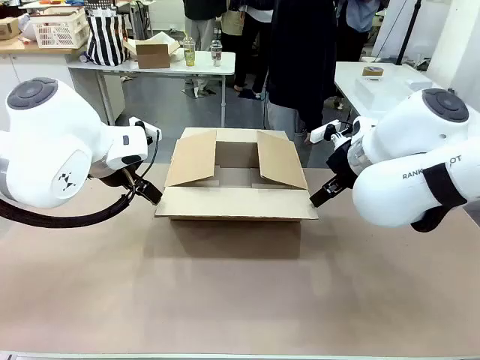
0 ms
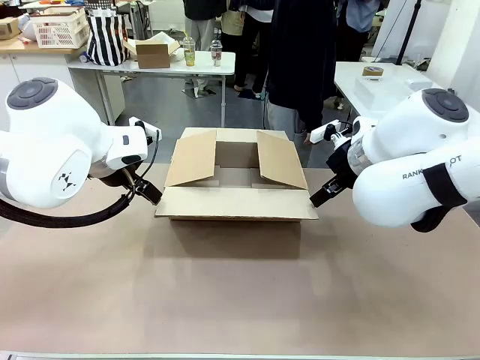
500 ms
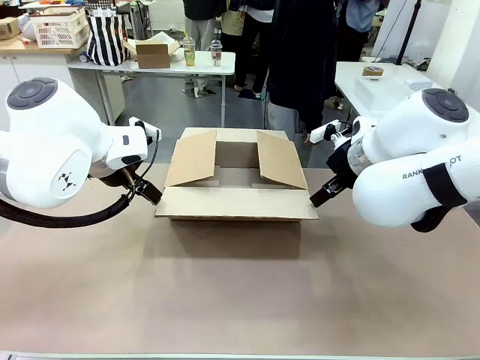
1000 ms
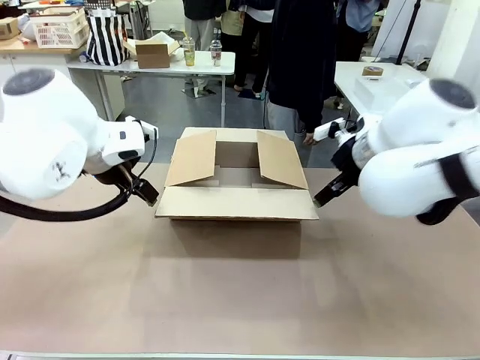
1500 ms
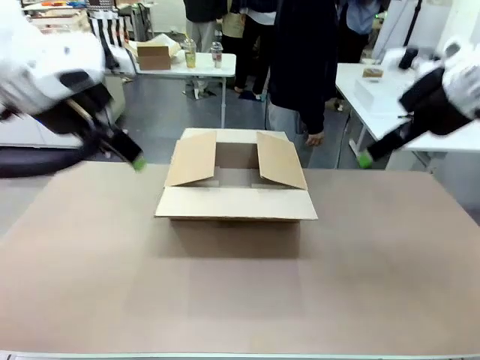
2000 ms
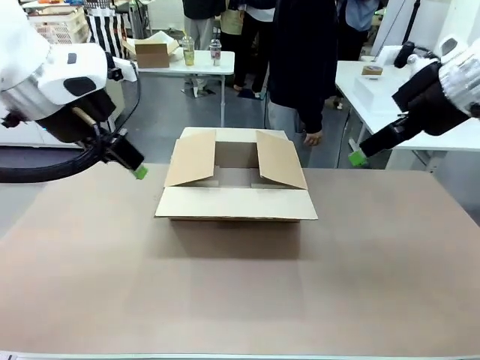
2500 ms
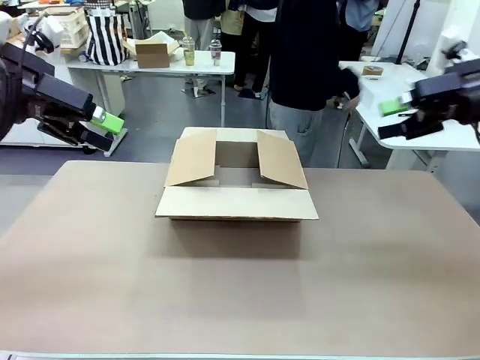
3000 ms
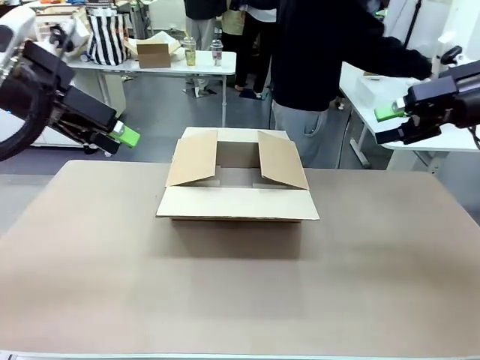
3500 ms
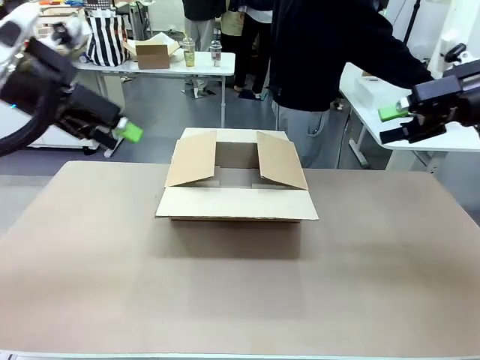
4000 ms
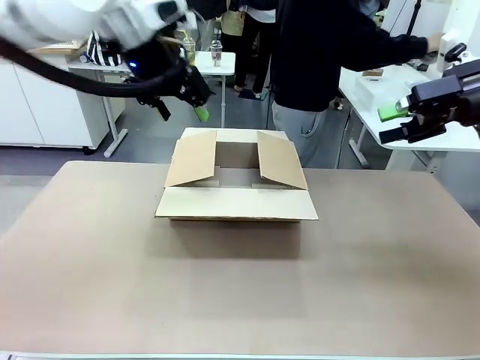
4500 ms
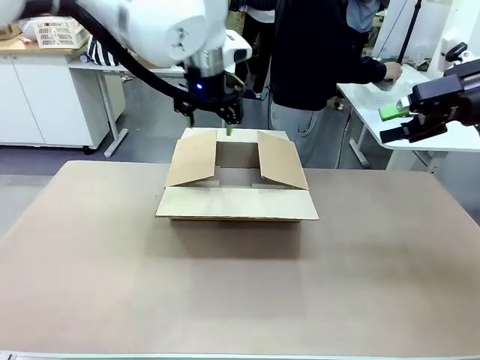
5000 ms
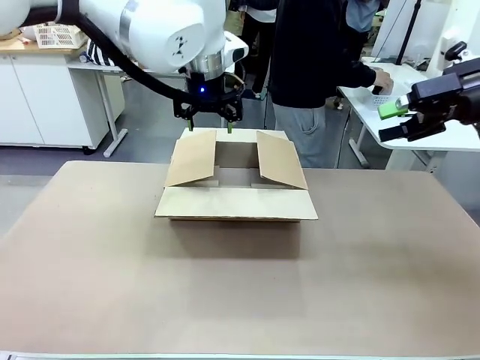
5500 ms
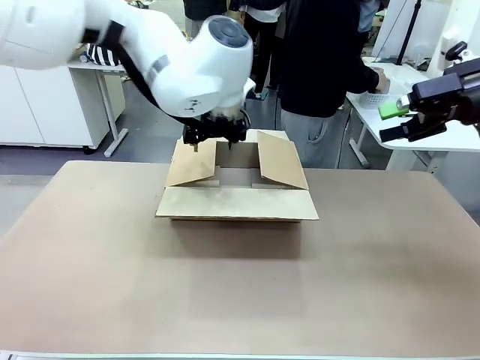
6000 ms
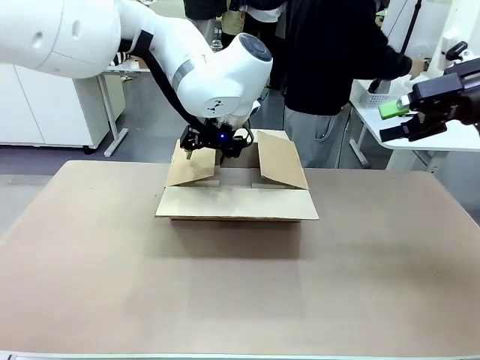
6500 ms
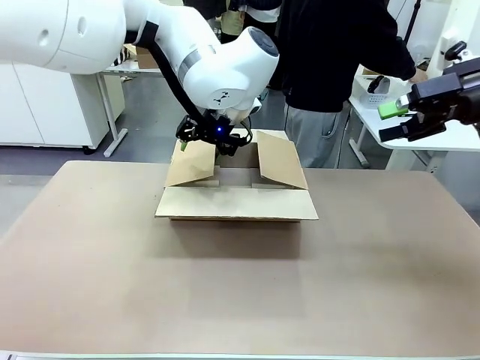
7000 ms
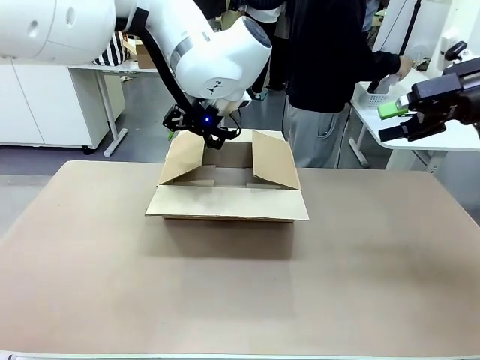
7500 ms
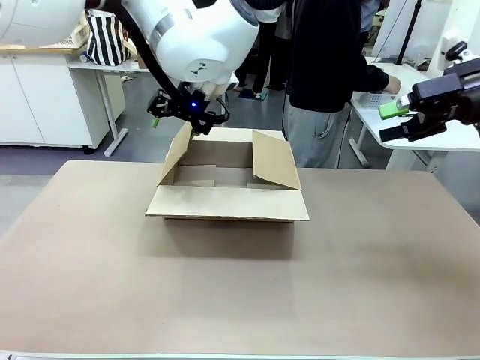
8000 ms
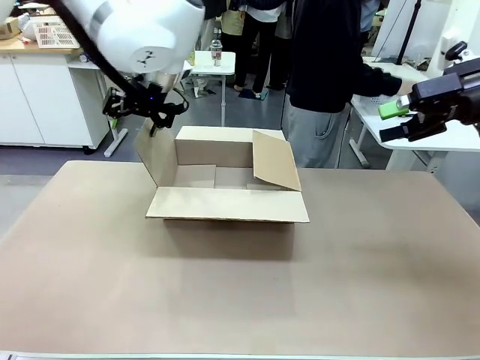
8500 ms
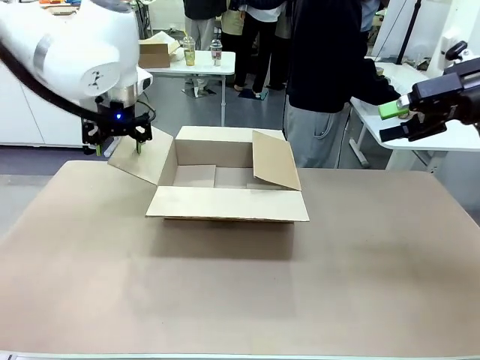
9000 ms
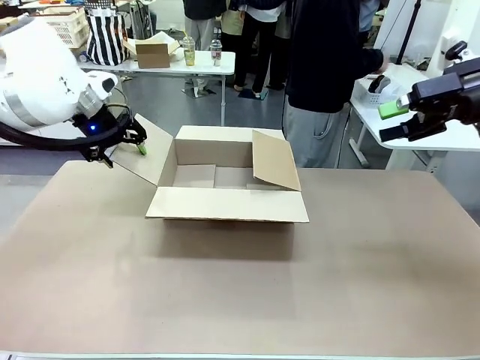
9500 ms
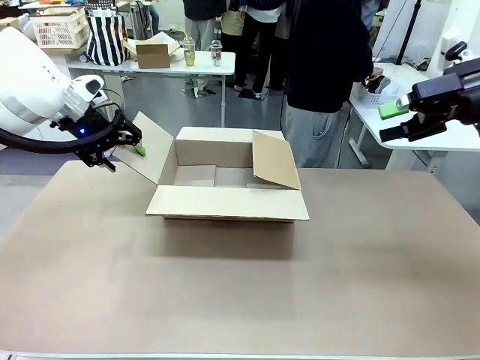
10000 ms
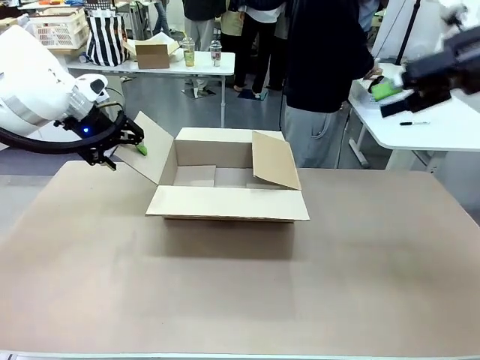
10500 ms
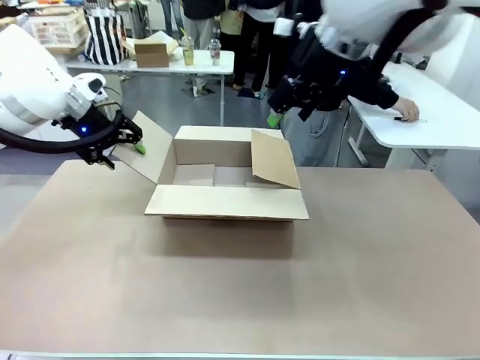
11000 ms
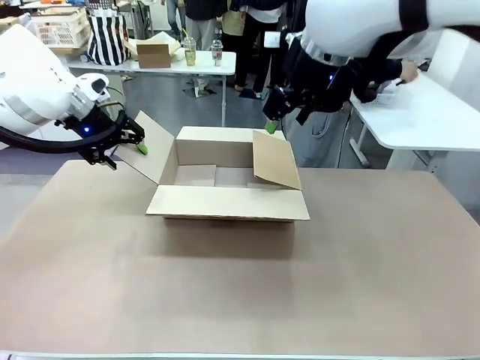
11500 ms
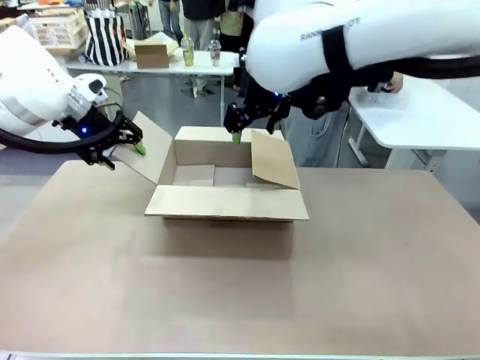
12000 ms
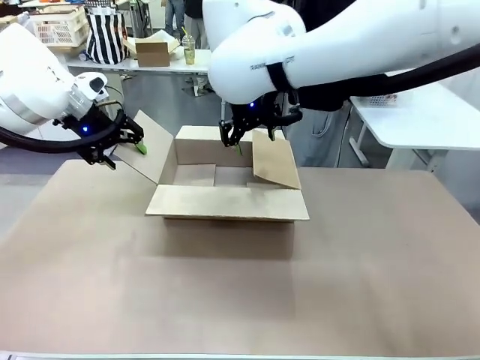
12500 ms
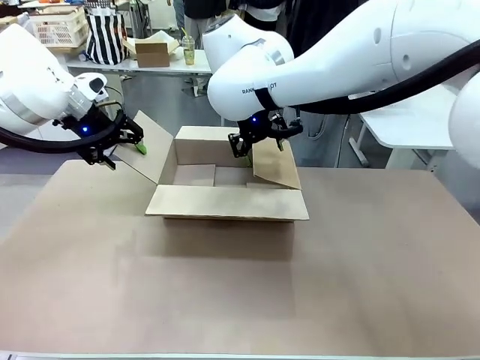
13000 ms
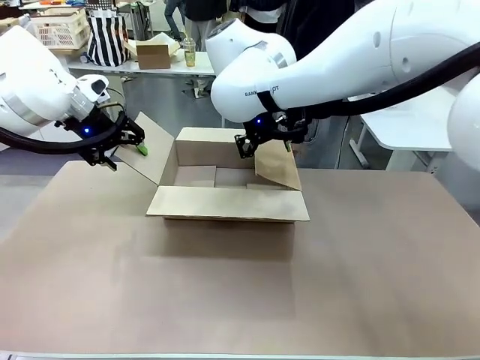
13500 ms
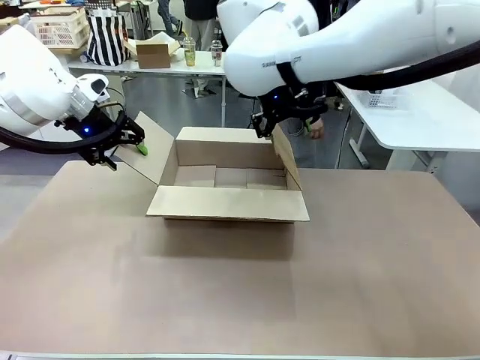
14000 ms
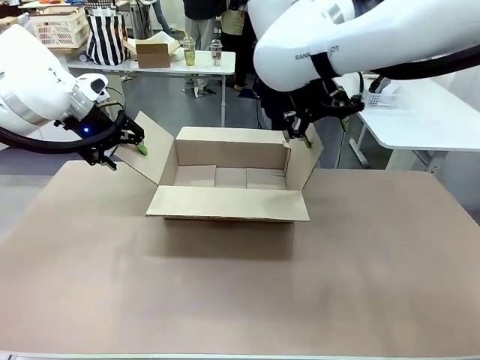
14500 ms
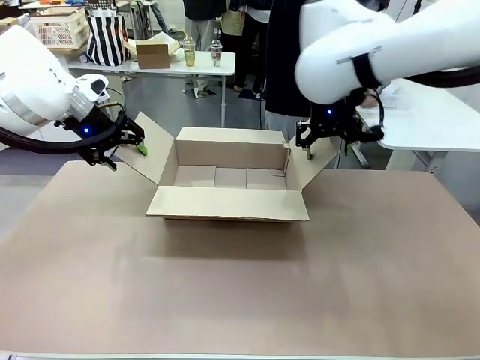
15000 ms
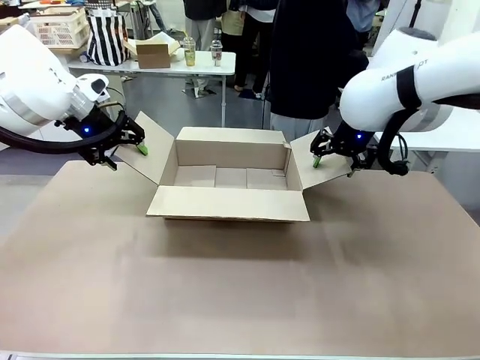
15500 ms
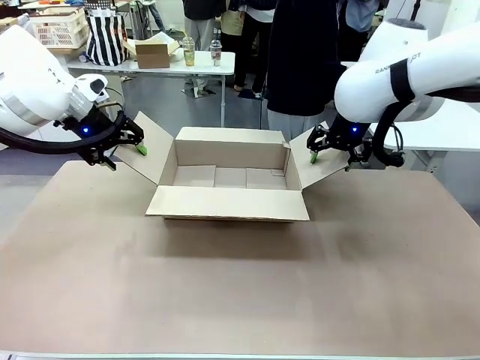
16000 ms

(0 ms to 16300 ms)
Task: Pack the gift set into the box.
Robot: Place both hands on the side flaps of the Package Box and spread them outward.
Person: The human places all items except the paper tape into the organizing basket.

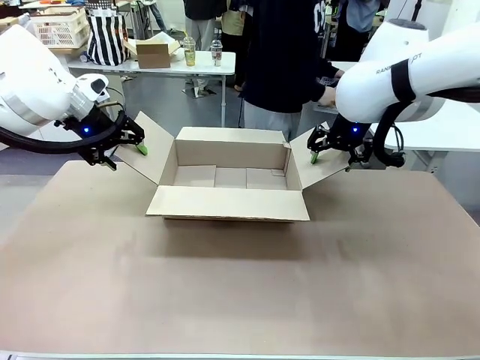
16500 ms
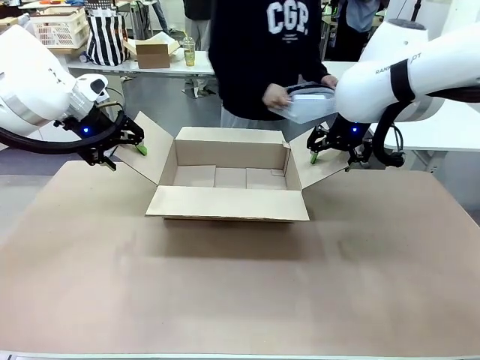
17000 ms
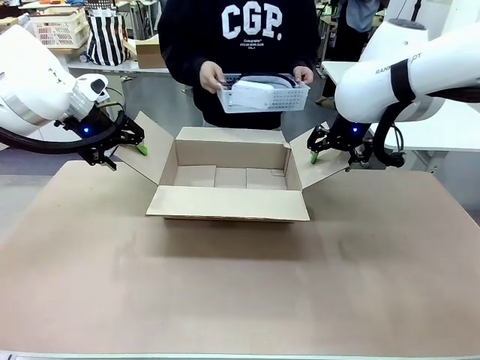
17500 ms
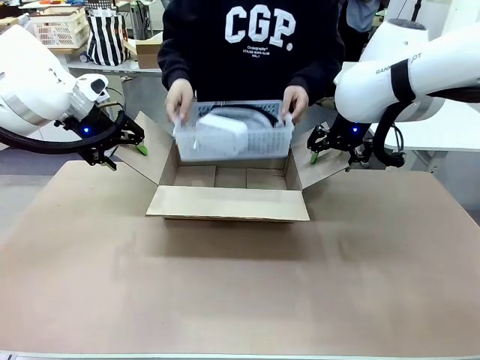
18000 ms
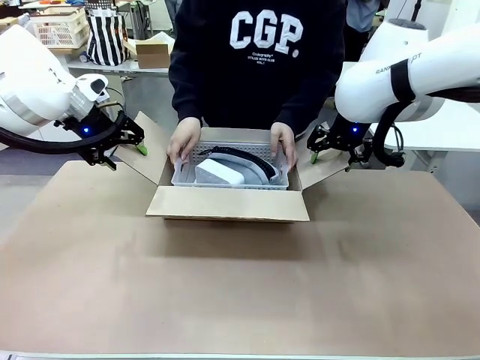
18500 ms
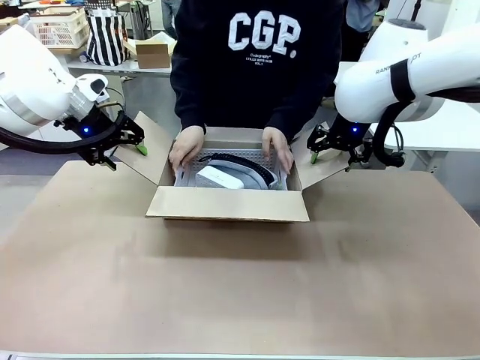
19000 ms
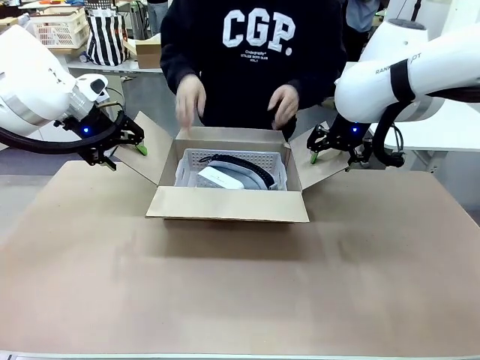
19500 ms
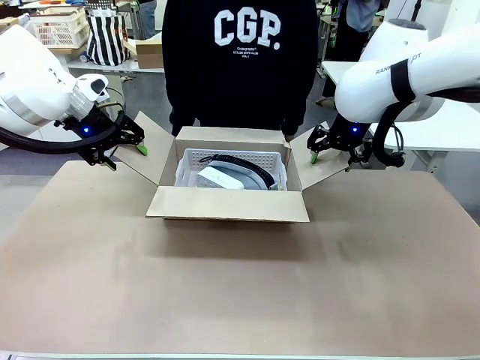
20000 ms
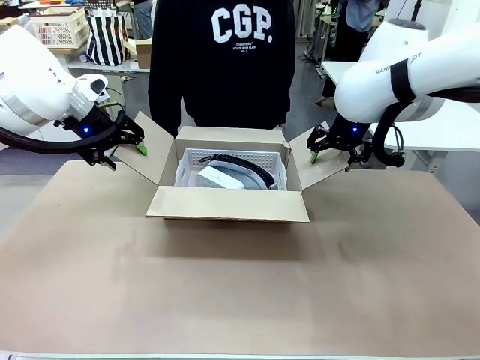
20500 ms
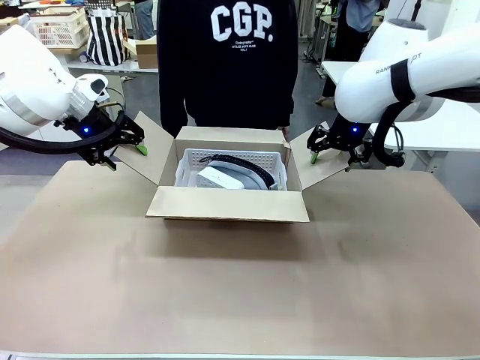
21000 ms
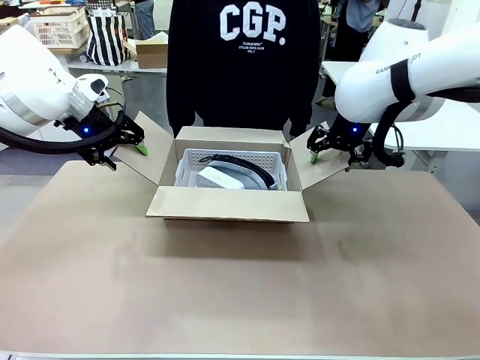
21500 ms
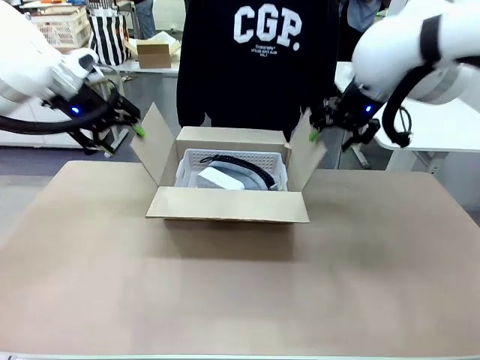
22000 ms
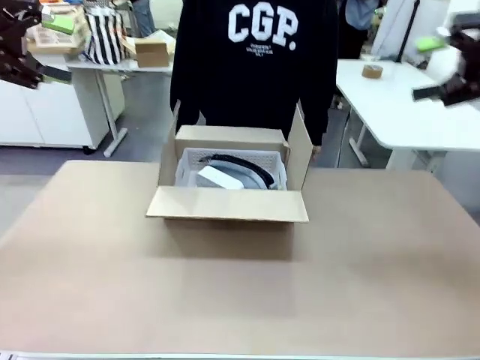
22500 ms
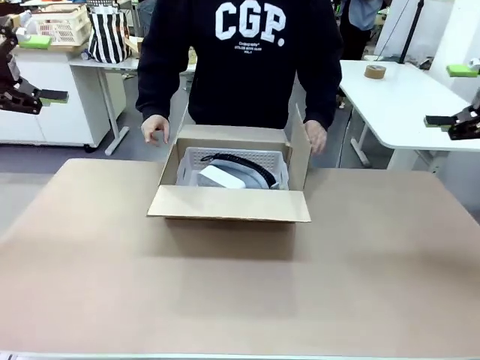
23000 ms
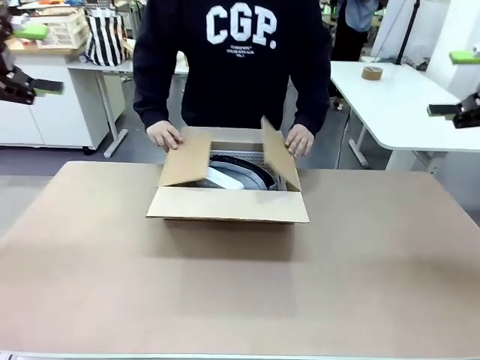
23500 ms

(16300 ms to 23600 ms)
Robot: Lift both hands away from the flaps of the Package Box.
Person: The human picks up the organizing basket and places the organizing basket into the package box on the robot table.

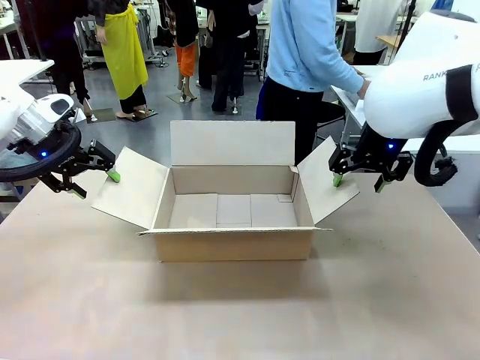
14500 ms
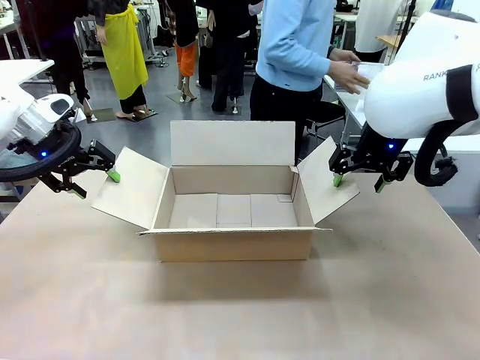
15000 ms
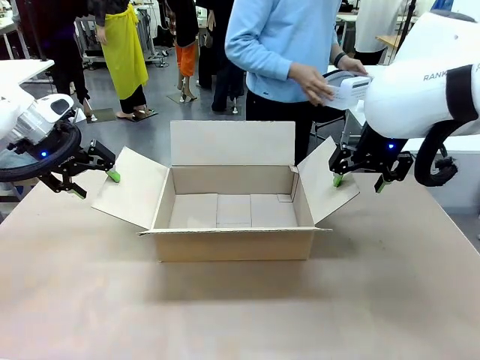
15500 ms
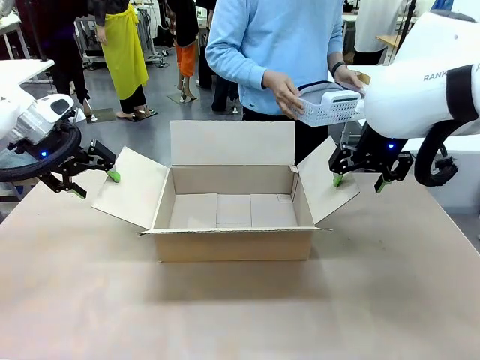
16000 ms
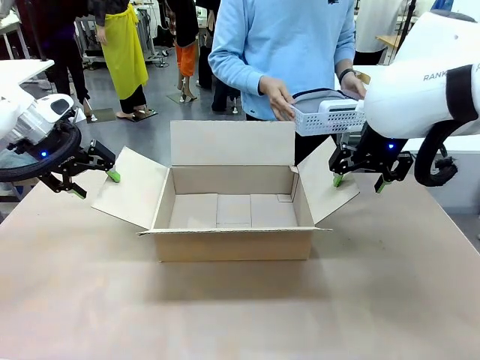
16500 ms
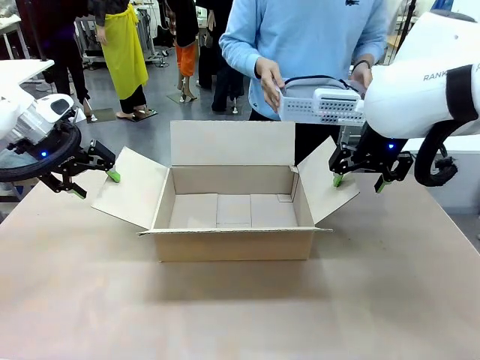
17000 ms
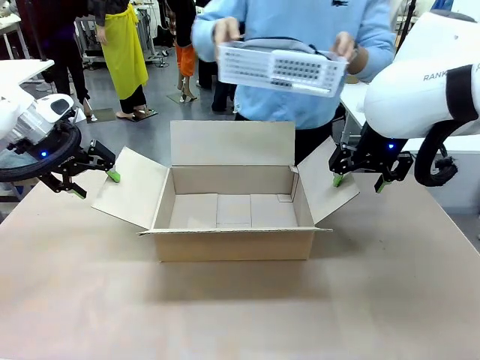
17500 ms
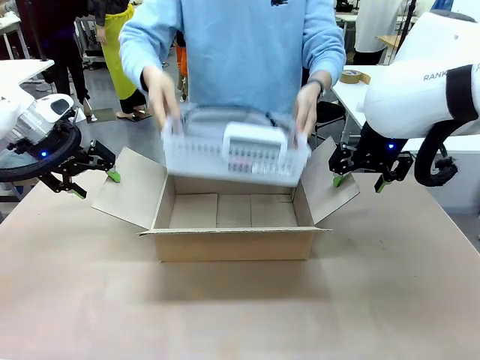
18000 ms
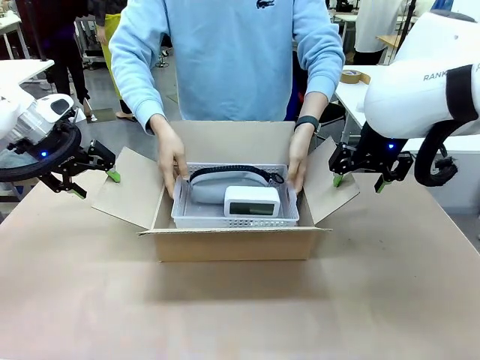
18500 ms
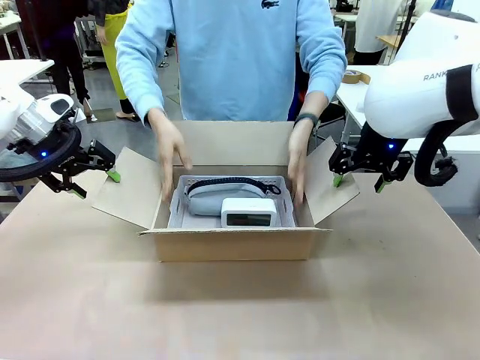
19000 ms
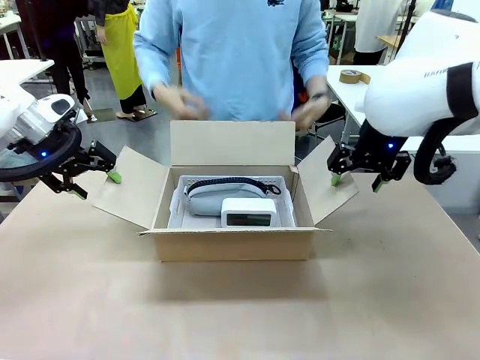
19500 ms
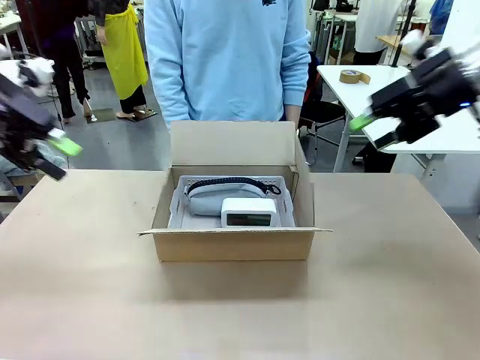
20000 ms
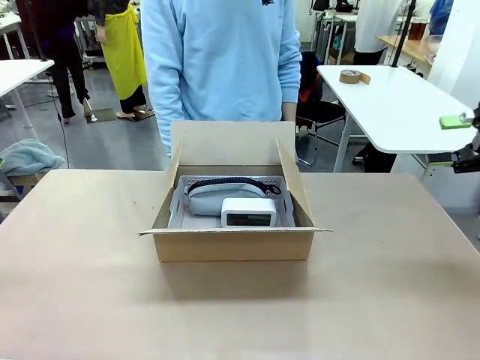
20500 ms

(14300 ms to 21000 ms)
Task: Pack the gift set into the box.
Robot: Lift both hands away from the flaps of the Package Box.
Person: The human picks up the organizing basket and places the organizing basket into the package box on the robot table.
